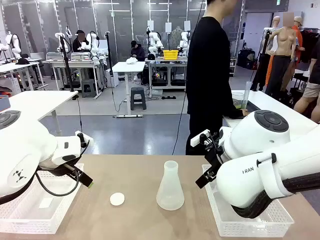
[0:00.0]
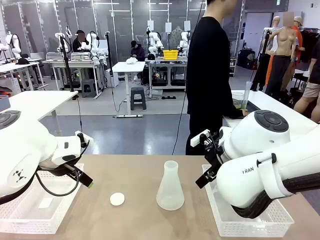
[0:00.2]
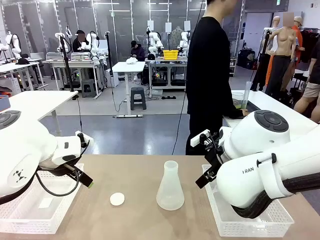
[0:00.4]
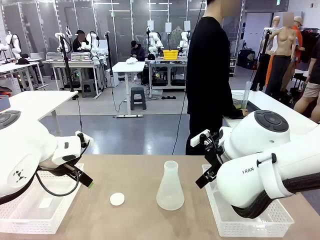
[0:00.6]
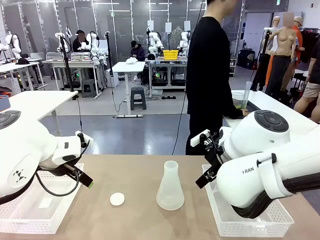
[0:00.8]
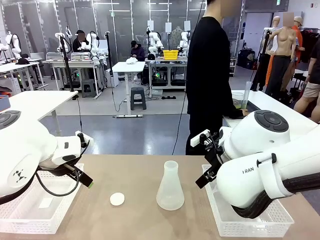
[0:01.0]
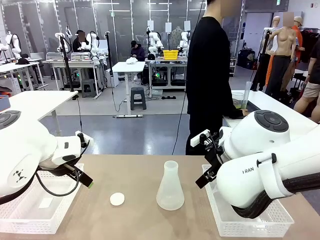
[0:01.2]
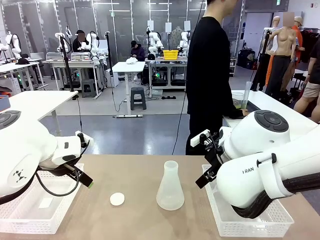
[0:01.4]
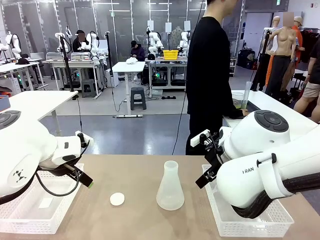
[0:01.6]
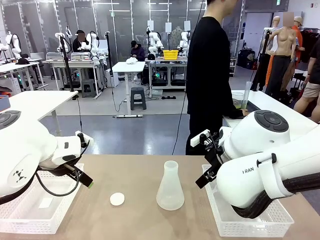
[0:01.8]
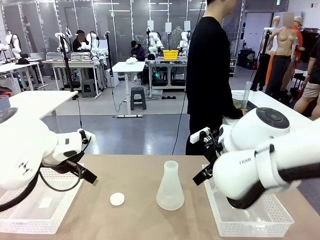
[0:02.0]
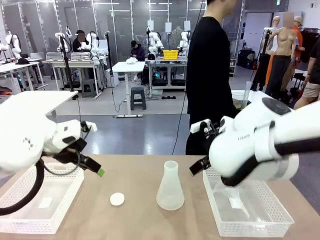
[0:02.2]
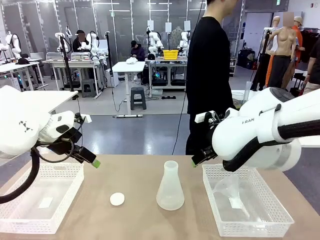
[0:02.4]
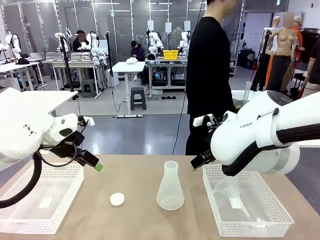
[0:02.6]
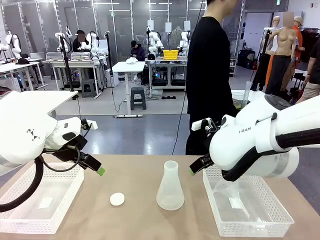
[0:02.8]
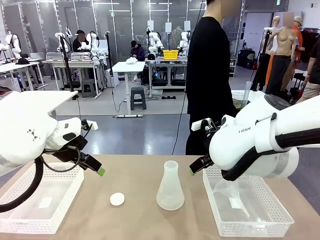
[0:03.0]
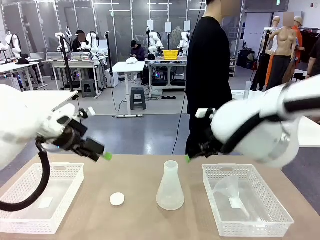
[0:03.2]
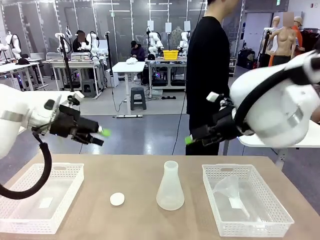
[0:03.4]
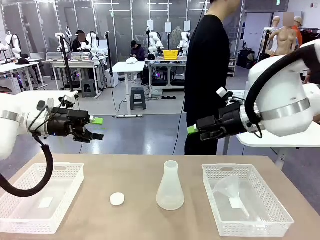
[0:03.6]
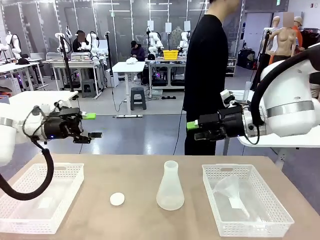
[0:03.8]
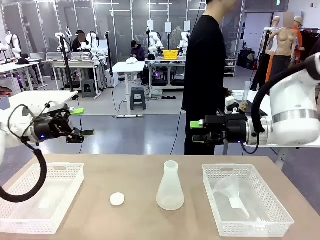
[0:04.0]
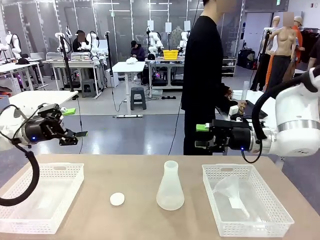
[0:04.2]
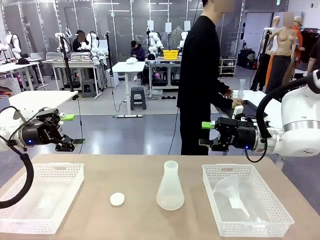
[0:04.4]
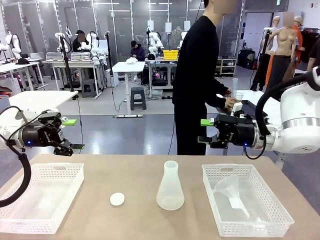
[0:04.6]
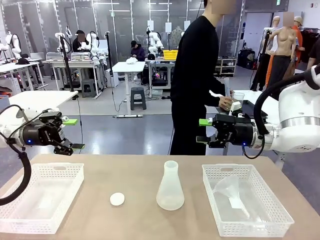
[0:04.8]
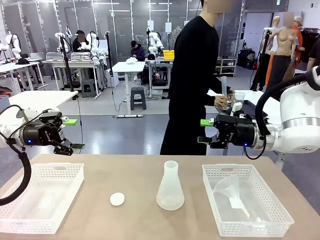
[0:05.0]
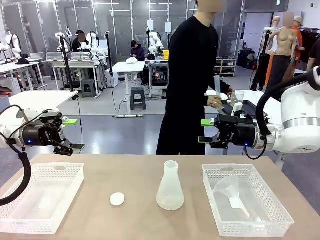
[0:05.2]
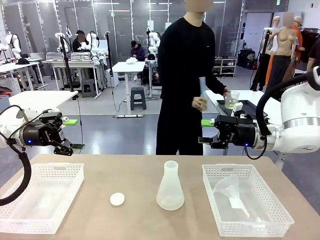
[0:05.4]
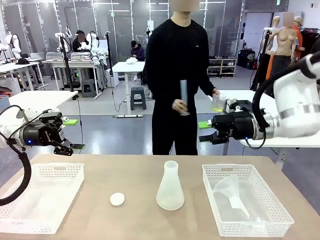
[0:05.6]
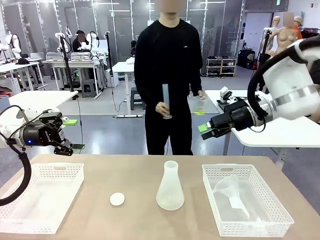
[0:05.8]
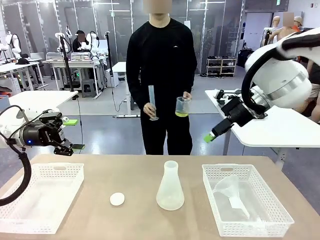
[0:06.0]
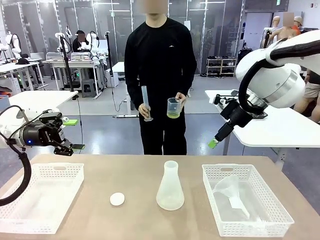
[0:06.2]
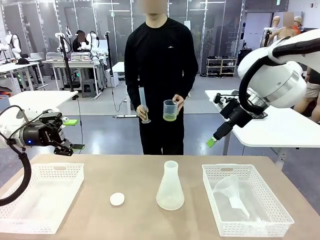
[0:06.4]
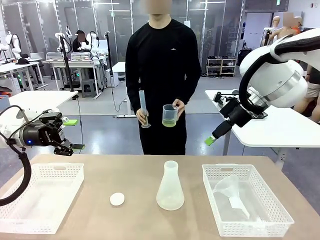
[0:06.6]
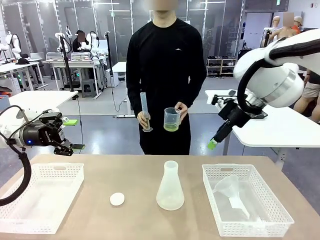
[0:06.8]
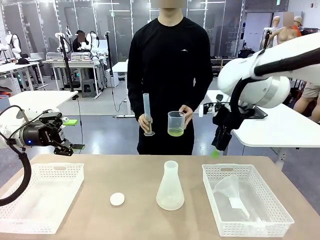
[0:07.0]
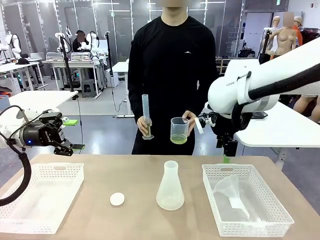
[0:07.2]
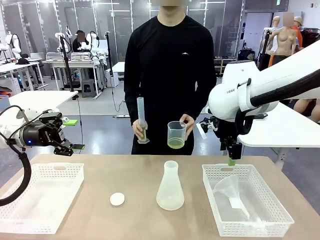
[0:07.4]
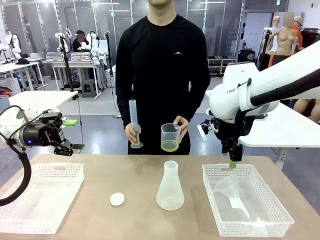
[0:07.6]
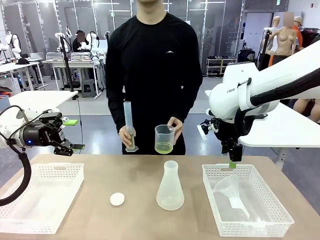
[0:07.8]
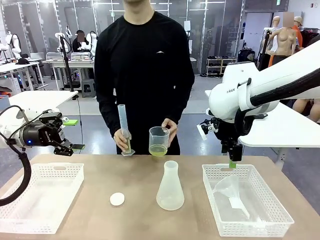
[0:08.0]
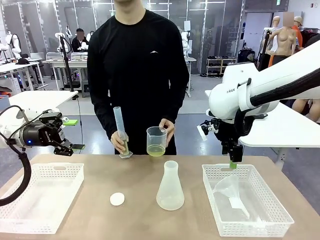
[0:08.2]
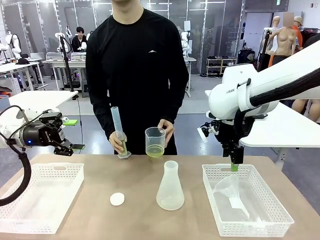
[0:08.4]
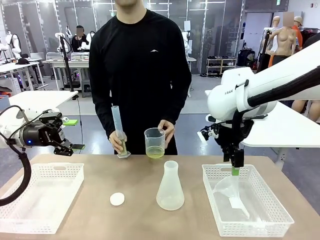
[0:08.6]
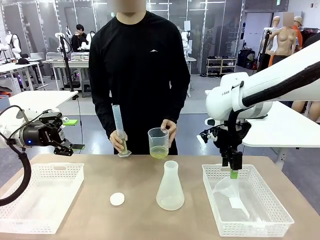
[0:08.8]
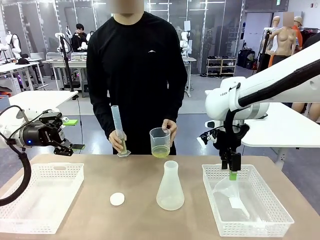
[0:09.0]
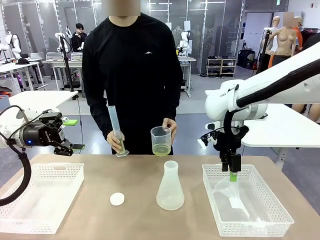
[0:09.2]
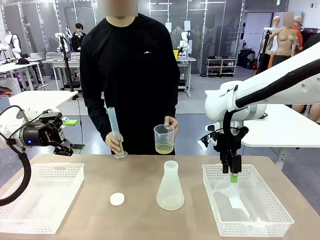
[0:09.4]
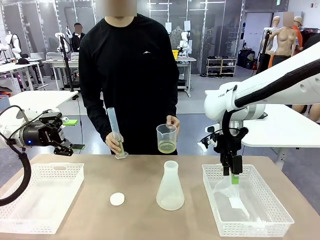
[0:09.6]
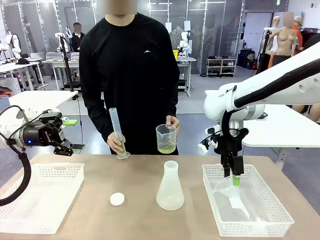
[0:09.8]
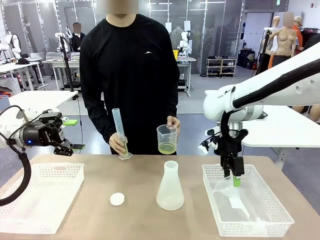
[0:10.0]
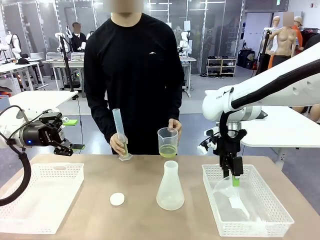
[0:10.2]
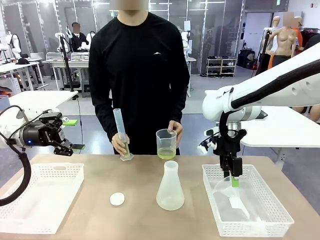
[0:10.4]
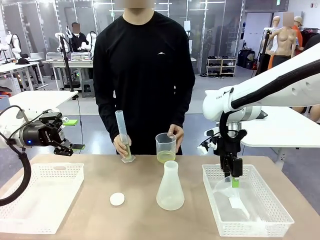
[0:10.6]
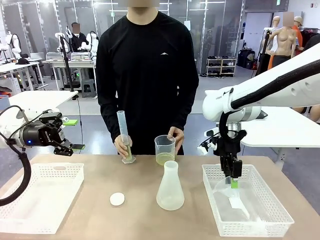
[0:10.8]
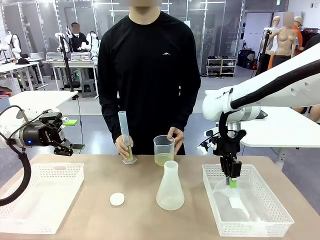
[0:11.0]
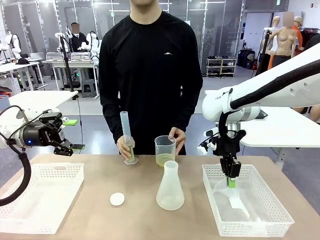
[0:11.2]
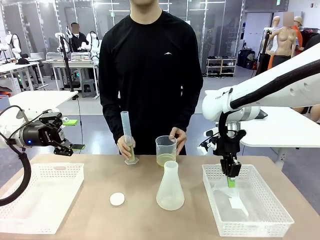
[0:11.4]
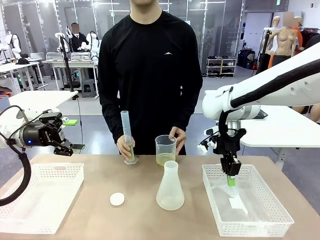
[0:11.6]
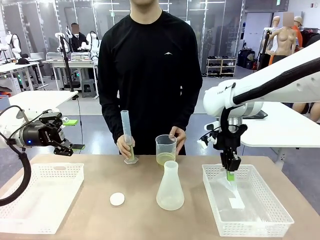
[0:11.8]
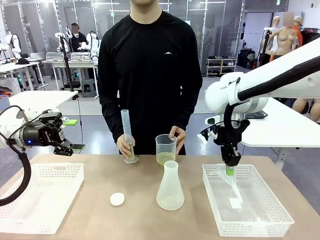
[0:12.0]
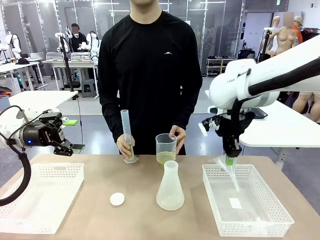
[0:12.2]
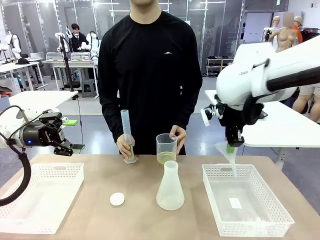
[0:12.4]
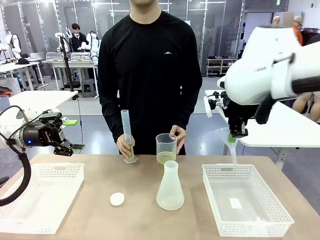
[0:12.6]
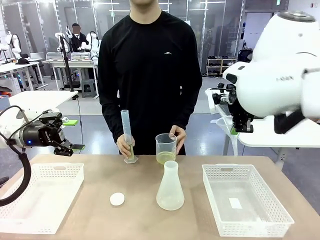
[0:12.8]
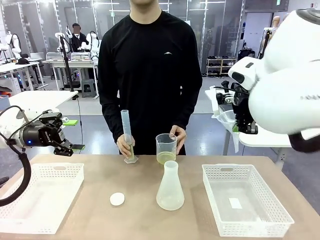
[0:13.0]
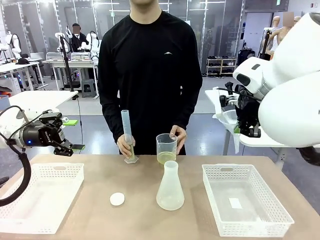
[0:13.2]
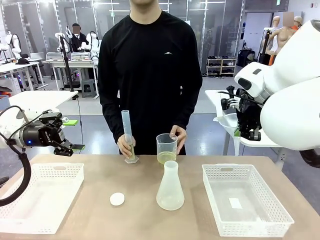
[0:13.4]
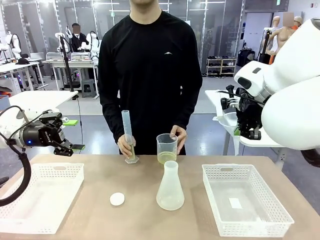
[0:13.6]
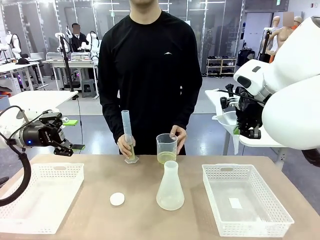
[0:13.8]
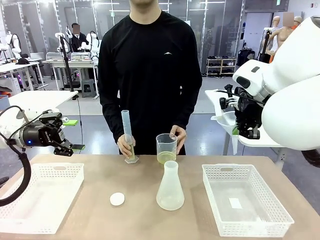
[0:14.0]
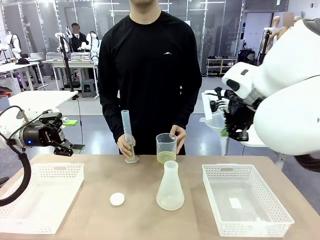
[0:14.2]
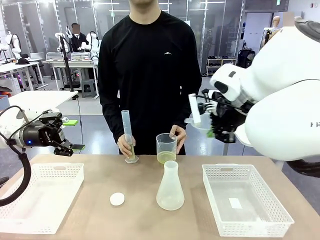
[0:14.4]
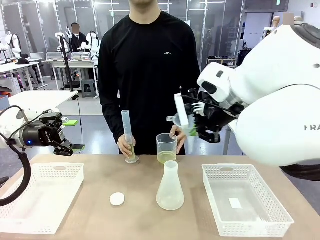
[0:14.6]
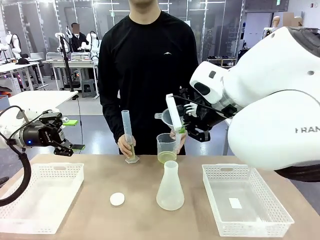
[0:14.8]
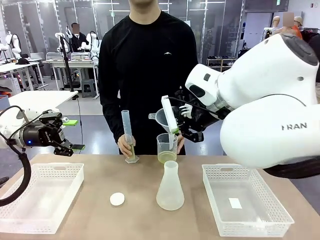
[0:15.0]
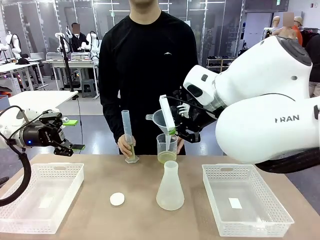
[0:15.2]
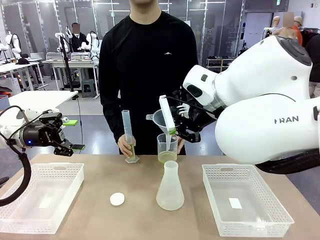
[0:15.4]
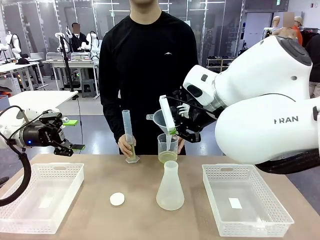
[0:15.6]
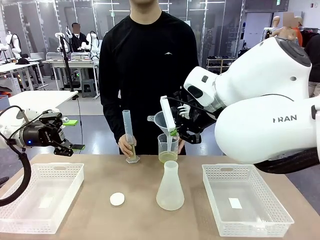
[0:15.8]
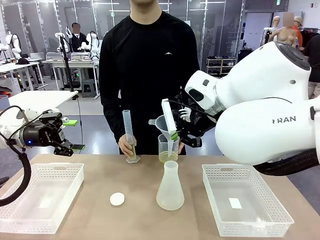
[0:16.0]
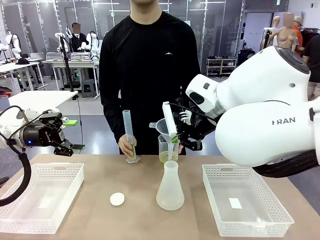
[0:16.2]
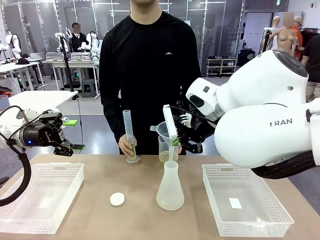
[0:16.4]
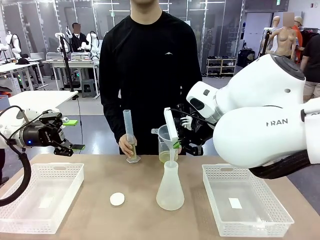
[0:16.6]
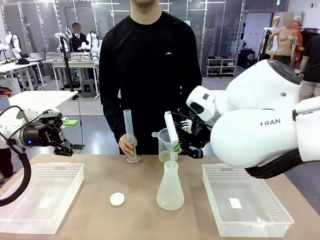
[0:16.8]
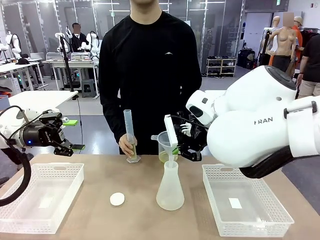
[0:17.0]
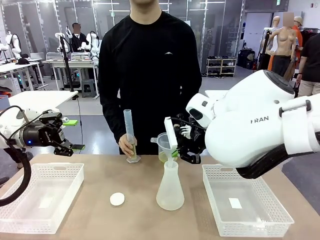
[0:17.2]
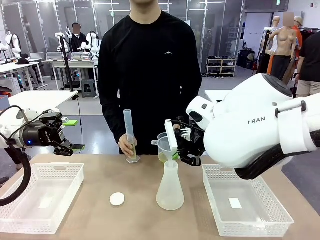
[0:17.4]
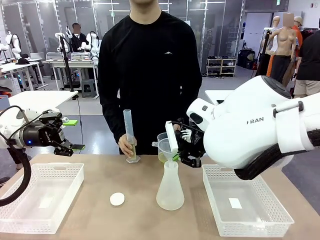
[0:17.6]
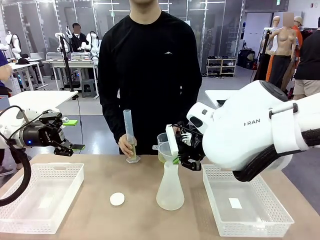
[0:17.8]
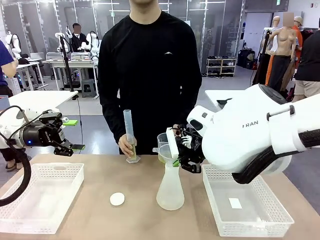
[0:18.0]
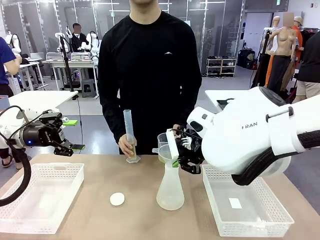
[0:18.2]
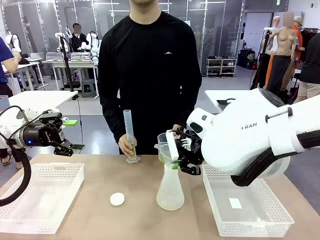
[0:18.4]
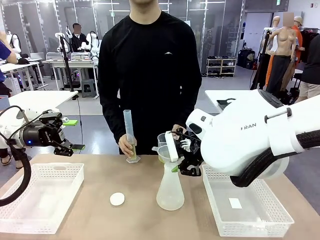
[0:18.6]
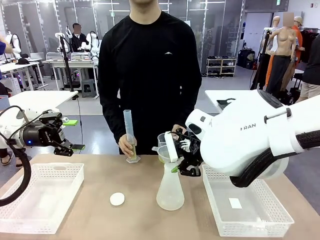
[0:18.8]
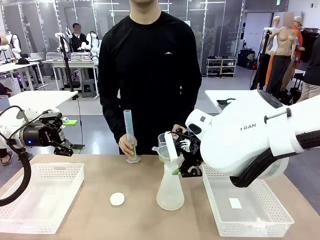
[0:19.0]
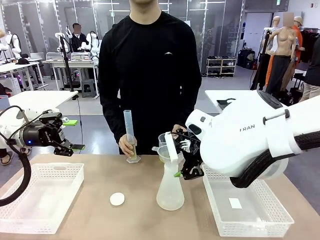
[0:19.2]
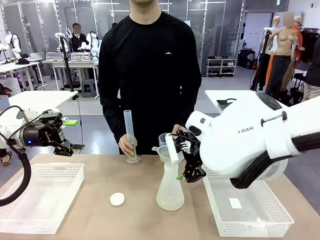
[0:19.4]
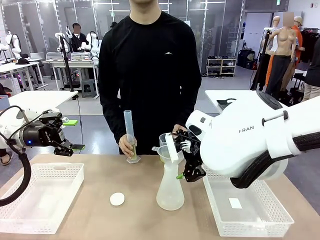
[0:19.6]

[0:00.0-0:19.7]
Task: Prepare the solutions needed for the experiment.
Robot: Pick up the Plastic Funnel and insert it into the Big flask.
Person: Pick up the beaker and the cylinder and move to the middle of the robot table. Pour the solution from the beaker and the cylinder into the flask.
